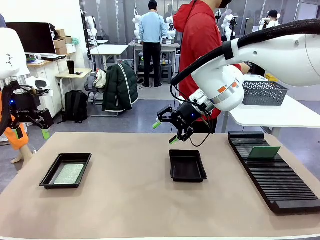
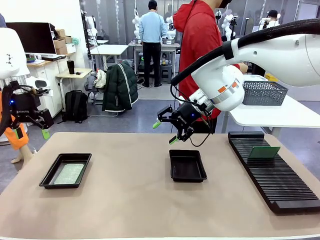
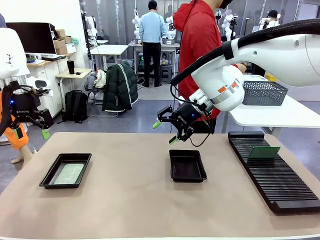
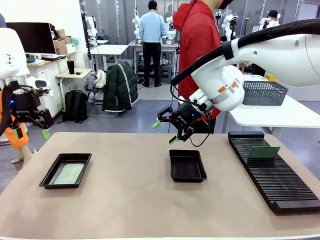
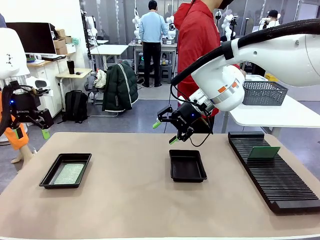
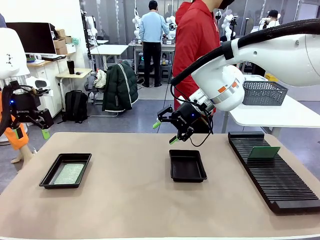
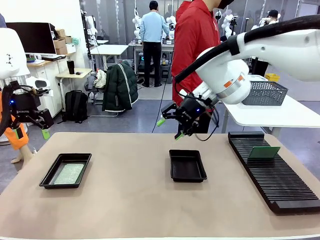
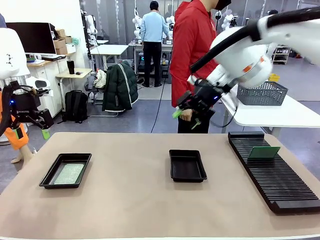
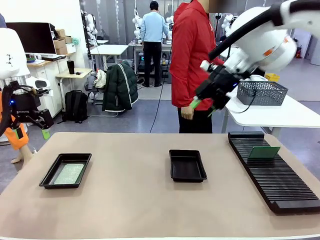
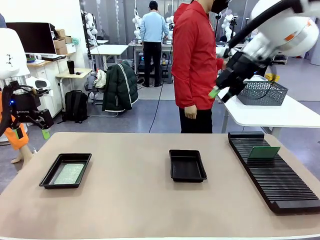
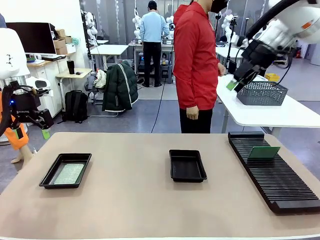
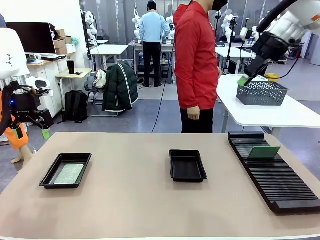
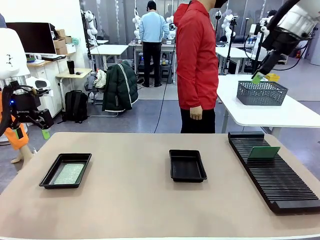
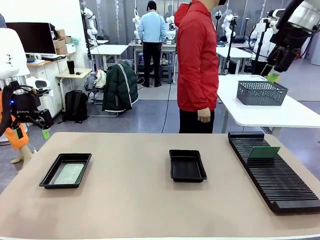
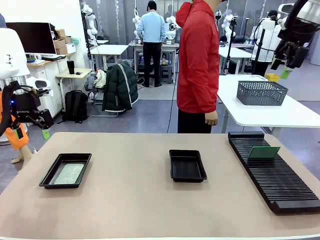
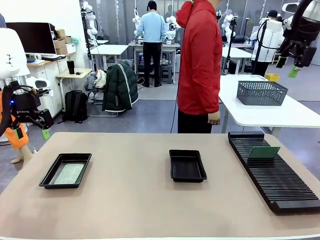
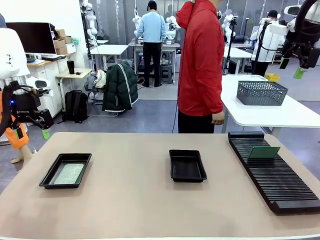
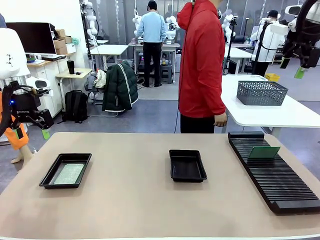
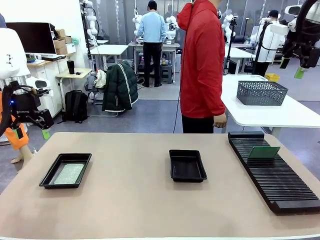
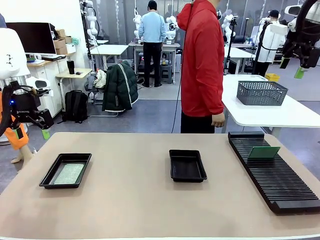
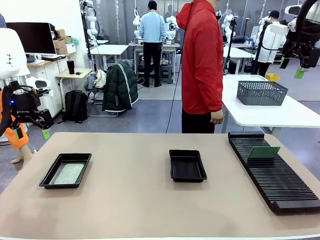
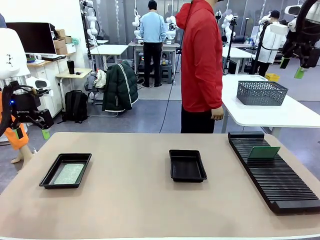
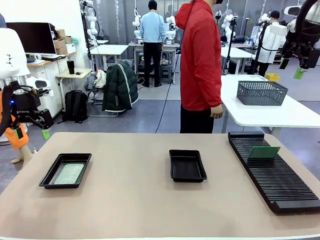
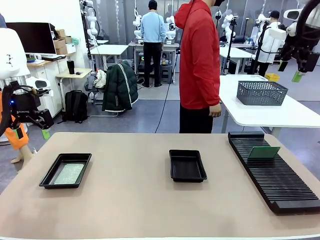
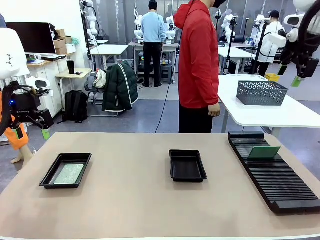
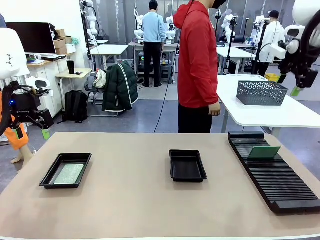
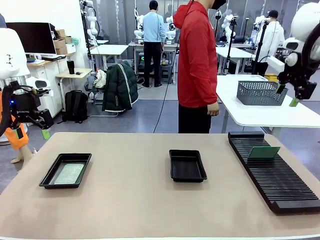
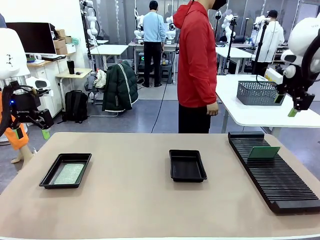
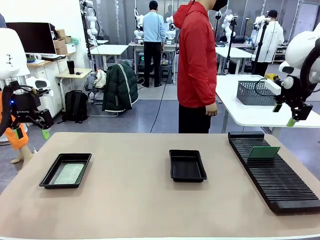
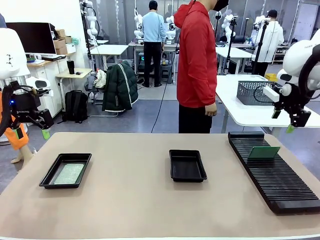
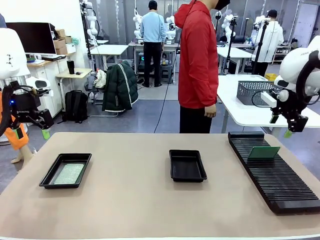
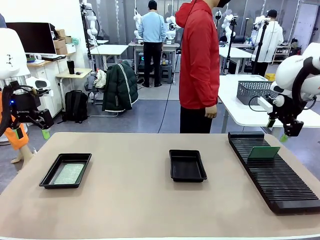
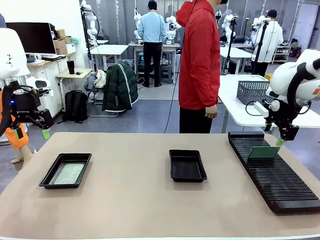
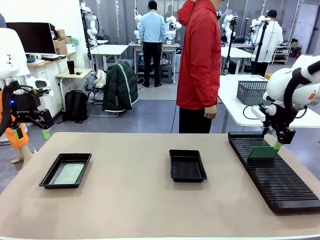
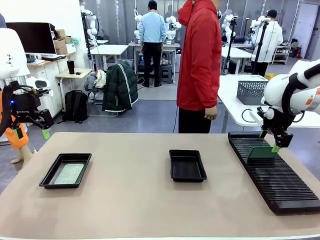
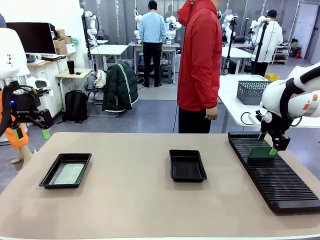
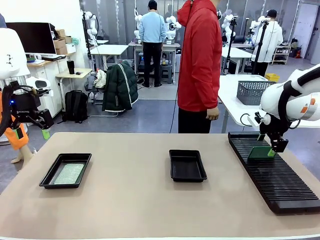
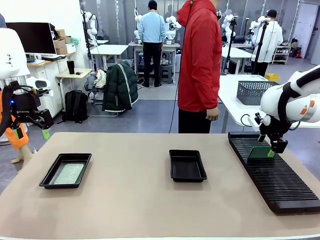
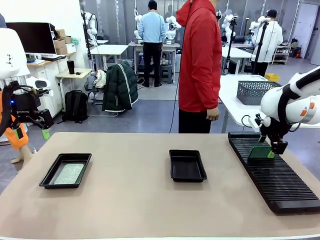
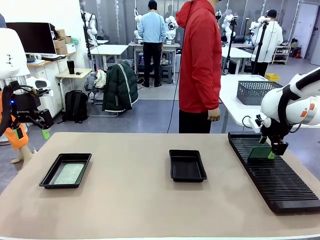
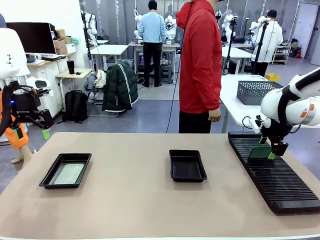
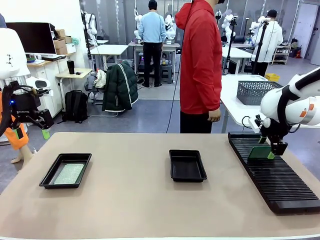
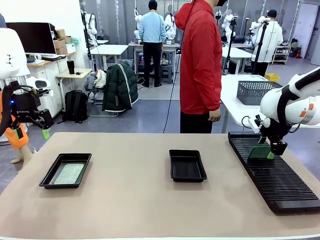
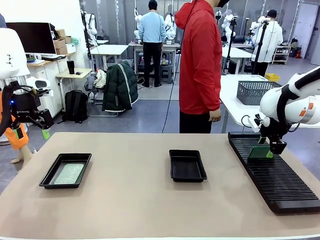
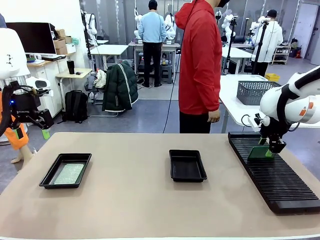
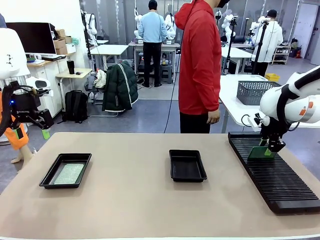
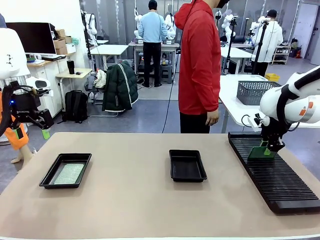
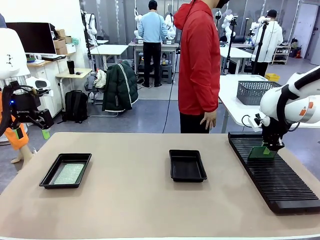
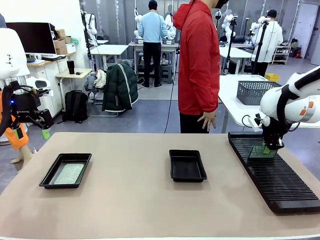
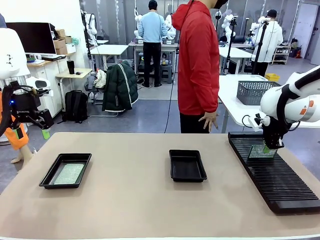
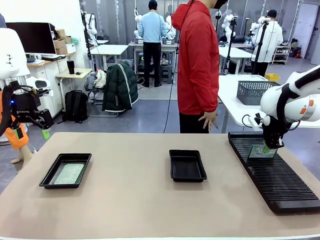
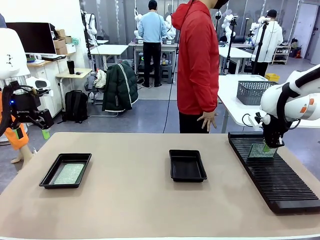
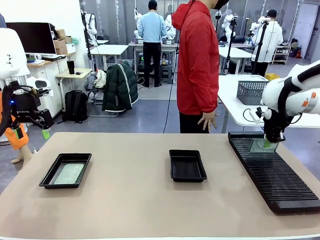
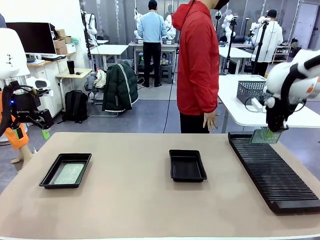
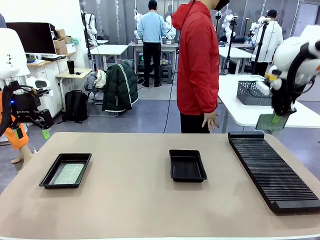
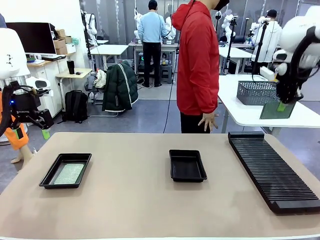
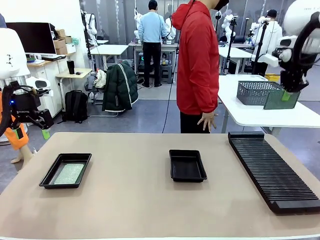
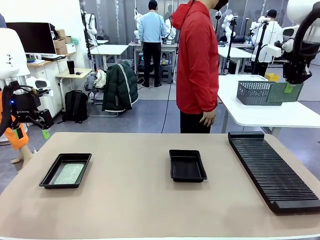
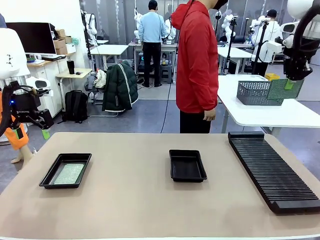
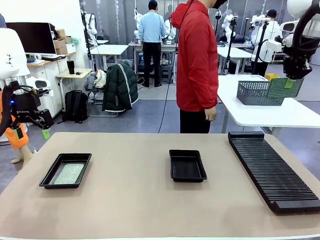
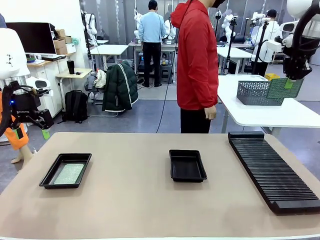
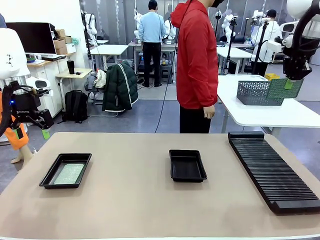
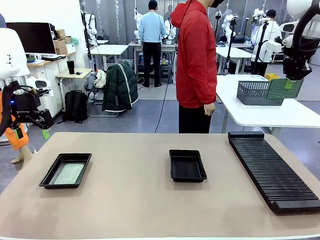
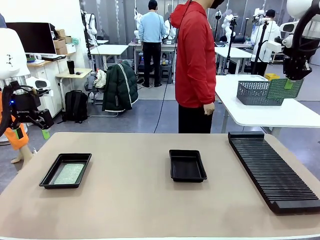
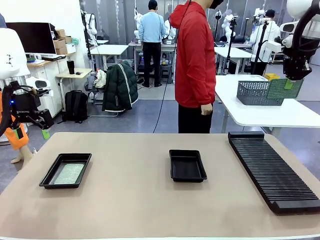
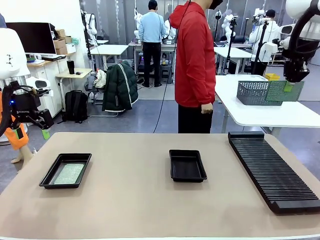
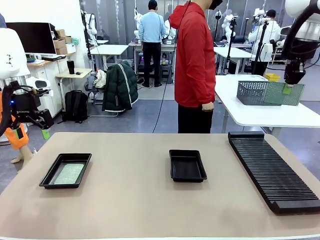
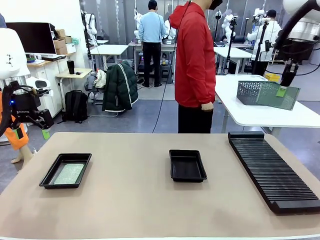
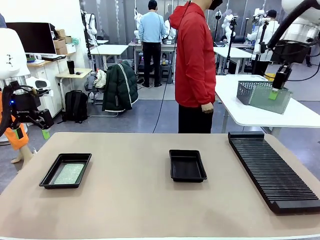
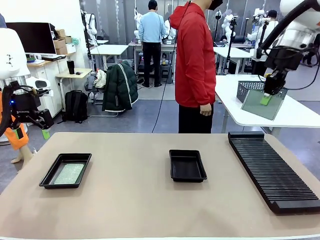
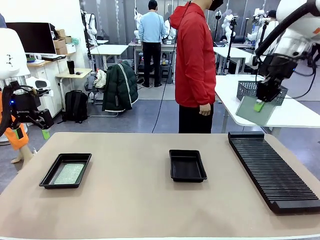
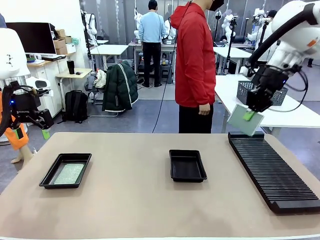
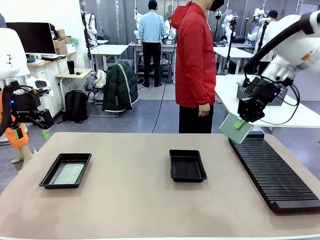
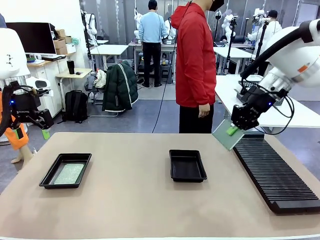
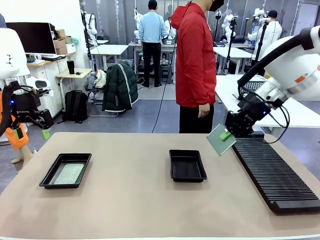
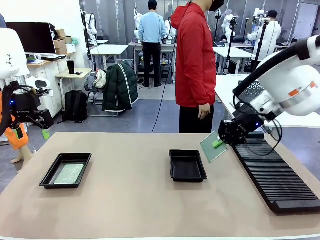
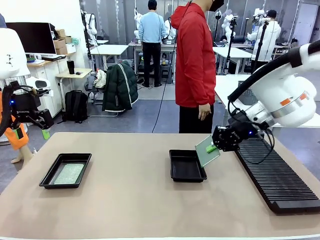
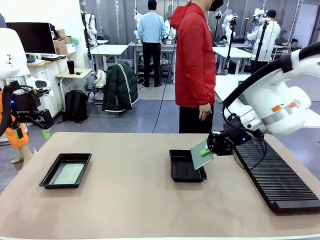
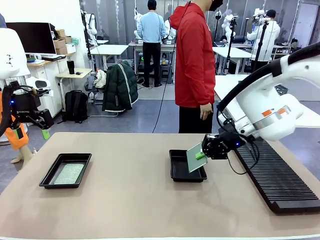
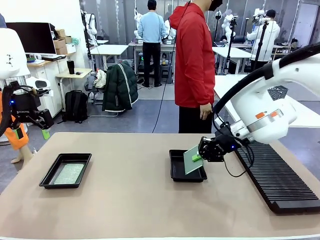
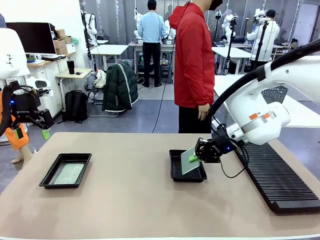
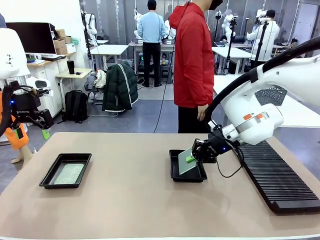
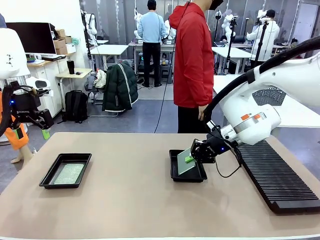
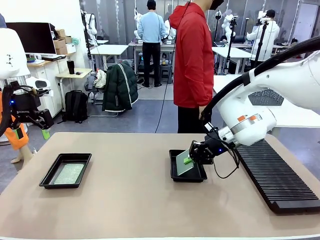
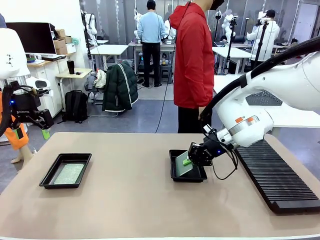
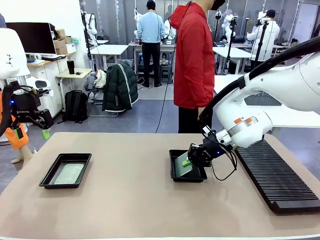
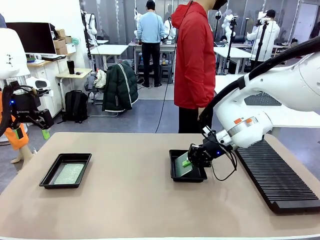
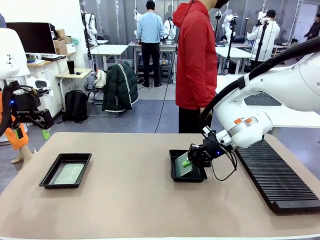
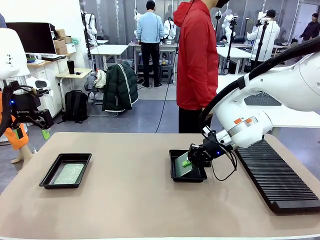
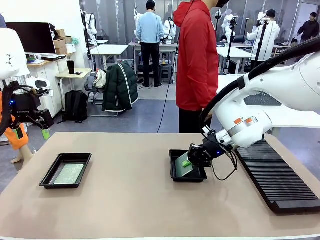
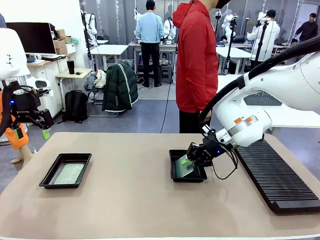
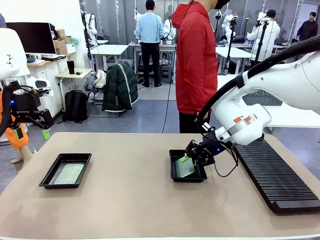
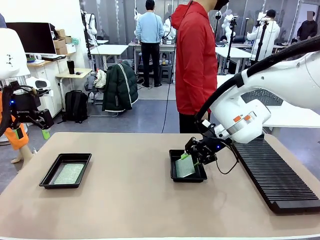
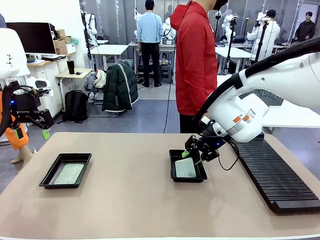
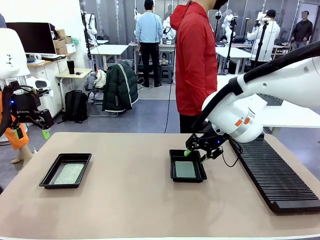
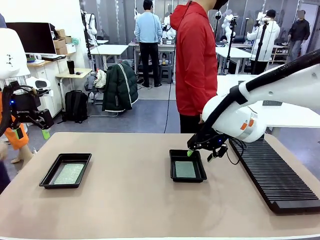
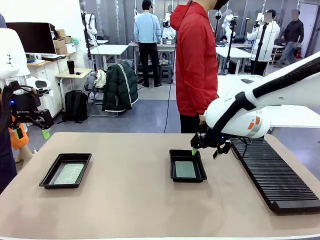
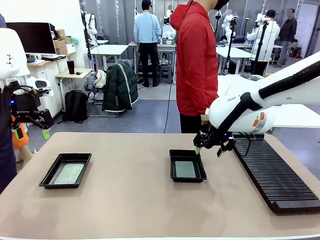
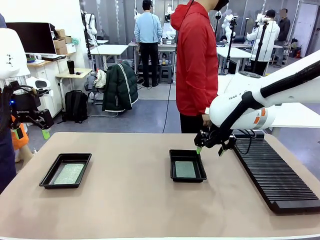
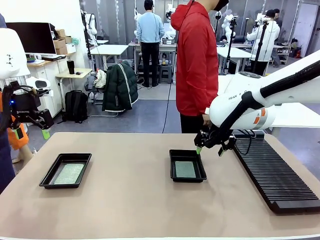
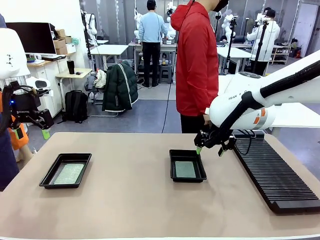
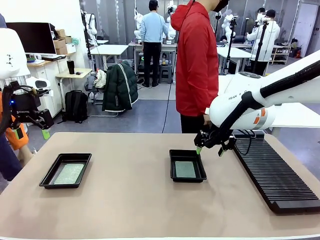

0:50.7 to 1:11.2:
Task: Inspect and transfer BCBs to ESD trays.
Robot: Pick up the Blank PCB from the PCB Rack and place it in the right ESD tray.
